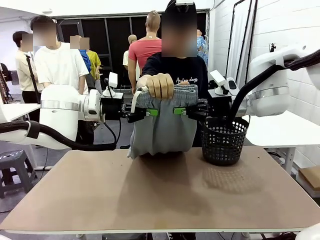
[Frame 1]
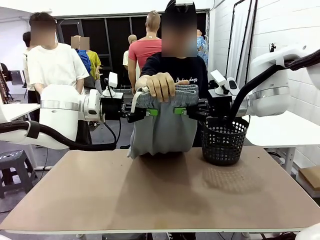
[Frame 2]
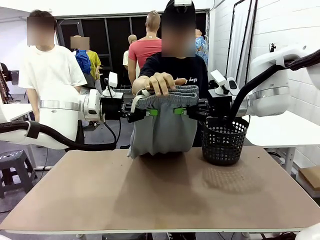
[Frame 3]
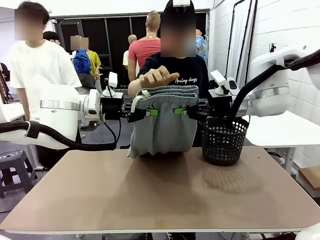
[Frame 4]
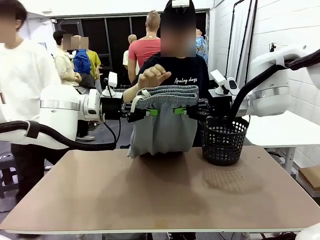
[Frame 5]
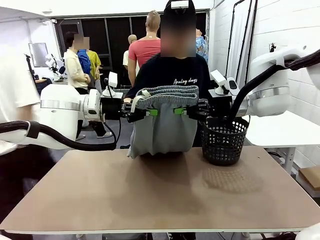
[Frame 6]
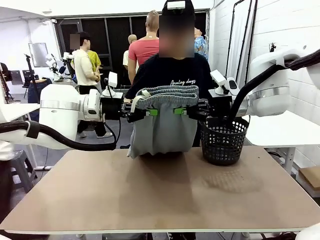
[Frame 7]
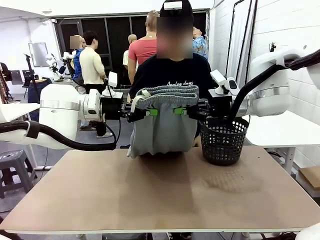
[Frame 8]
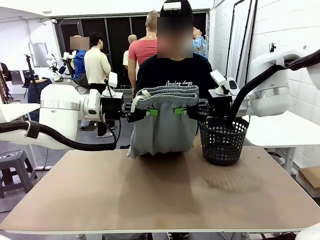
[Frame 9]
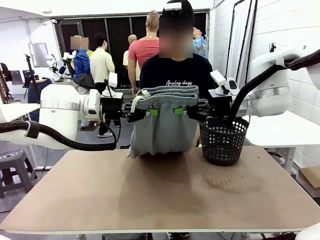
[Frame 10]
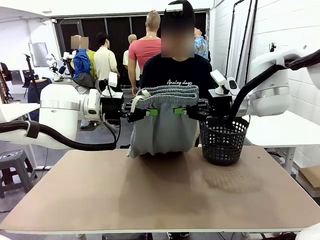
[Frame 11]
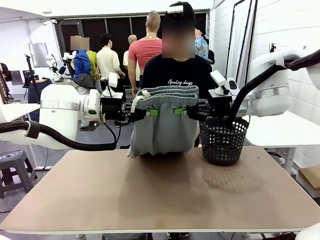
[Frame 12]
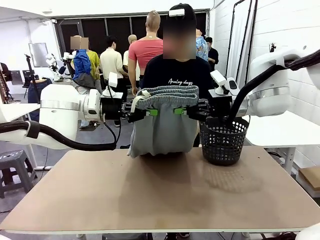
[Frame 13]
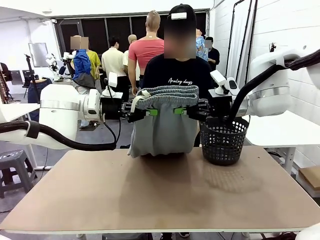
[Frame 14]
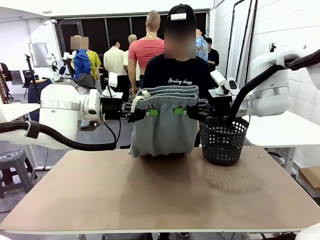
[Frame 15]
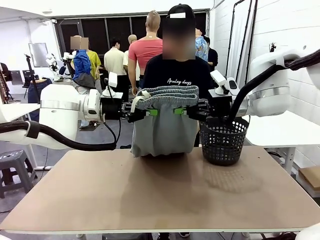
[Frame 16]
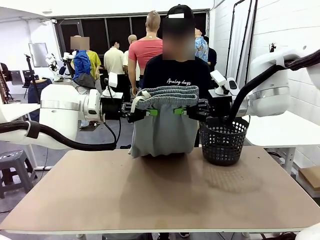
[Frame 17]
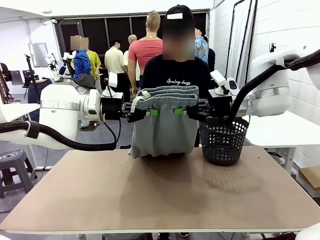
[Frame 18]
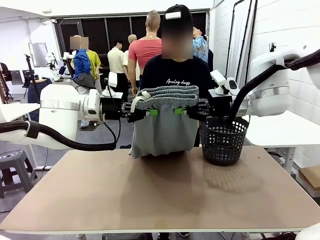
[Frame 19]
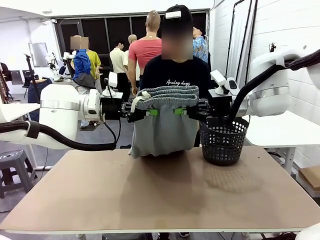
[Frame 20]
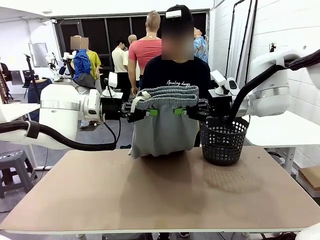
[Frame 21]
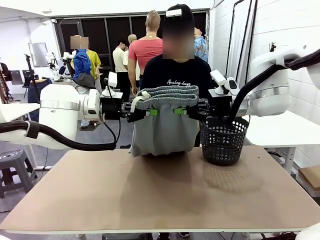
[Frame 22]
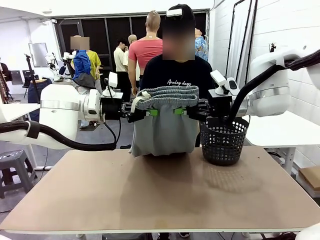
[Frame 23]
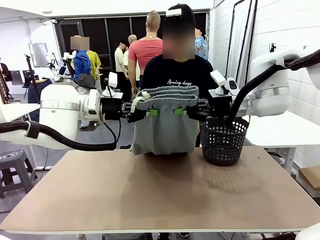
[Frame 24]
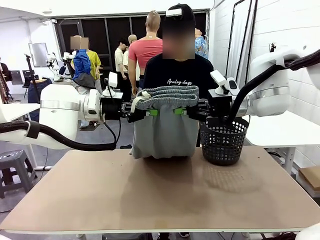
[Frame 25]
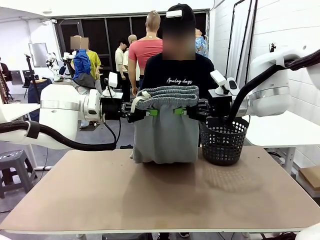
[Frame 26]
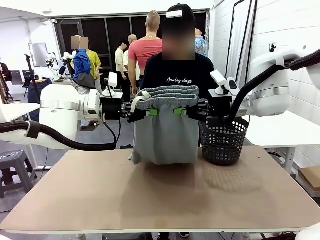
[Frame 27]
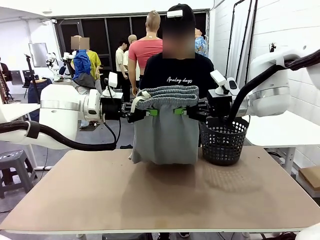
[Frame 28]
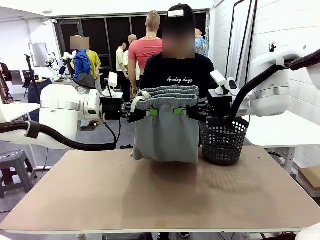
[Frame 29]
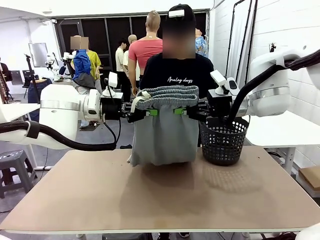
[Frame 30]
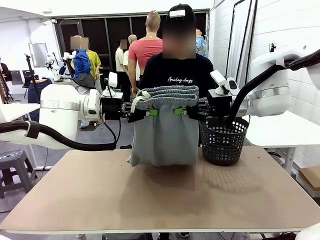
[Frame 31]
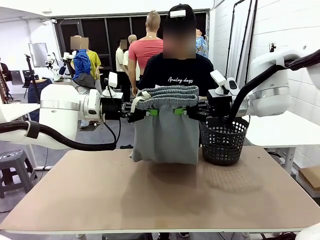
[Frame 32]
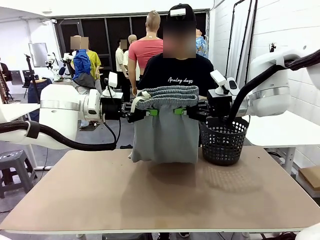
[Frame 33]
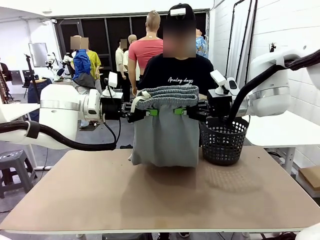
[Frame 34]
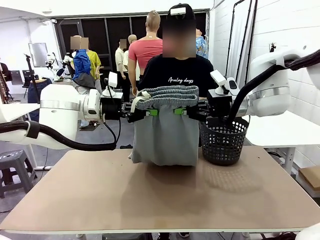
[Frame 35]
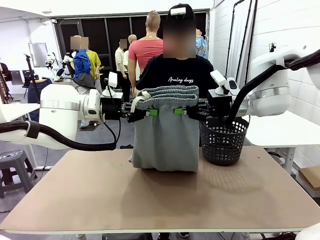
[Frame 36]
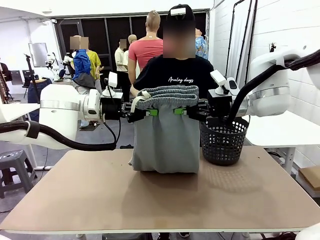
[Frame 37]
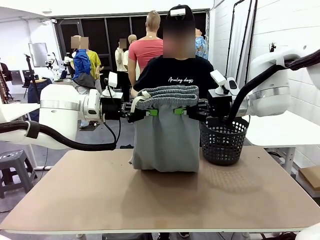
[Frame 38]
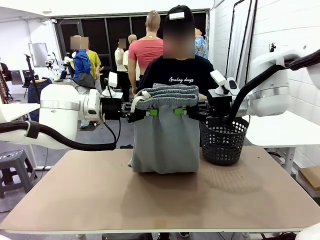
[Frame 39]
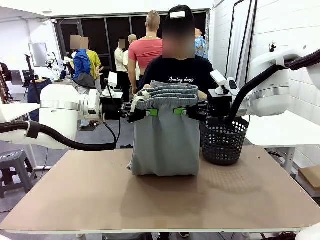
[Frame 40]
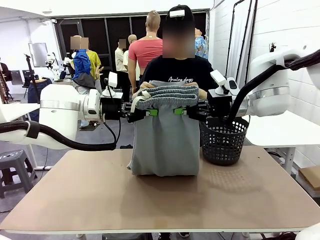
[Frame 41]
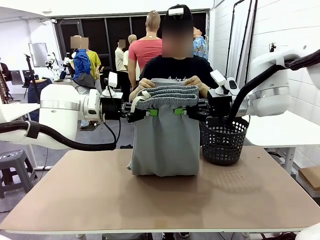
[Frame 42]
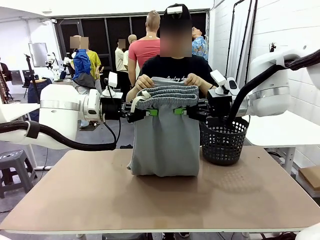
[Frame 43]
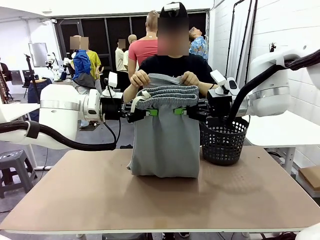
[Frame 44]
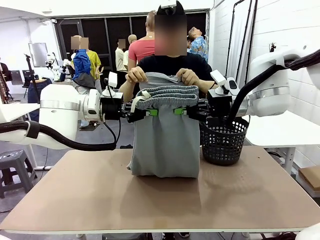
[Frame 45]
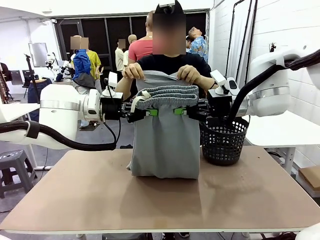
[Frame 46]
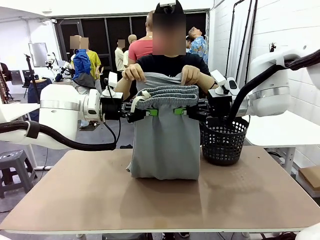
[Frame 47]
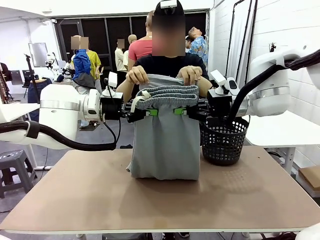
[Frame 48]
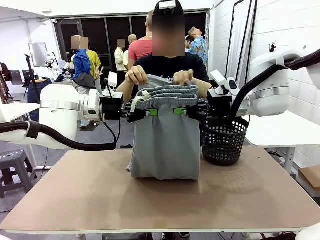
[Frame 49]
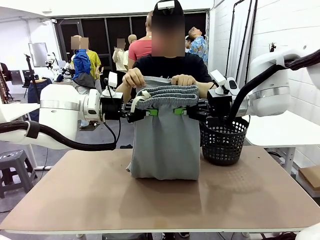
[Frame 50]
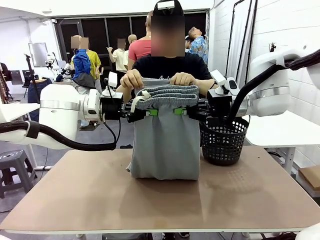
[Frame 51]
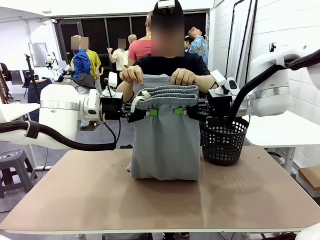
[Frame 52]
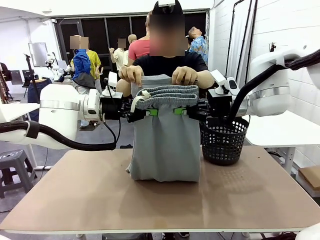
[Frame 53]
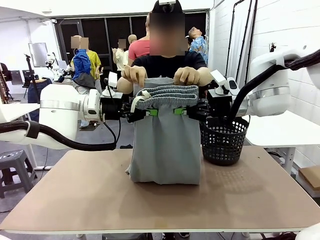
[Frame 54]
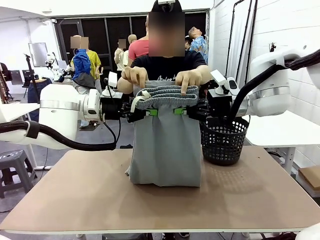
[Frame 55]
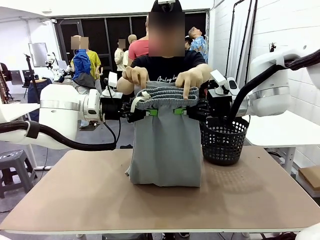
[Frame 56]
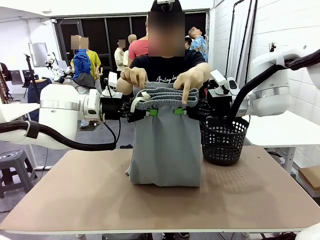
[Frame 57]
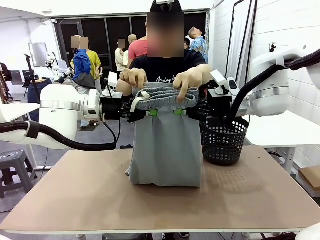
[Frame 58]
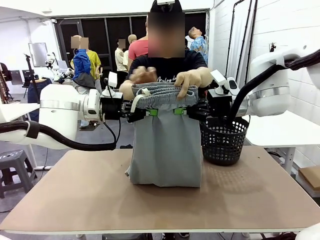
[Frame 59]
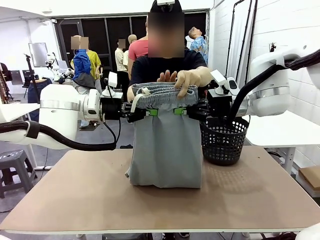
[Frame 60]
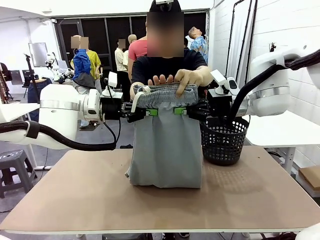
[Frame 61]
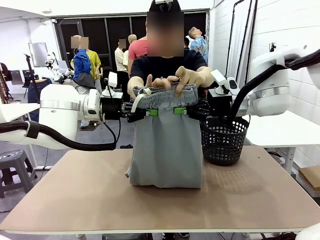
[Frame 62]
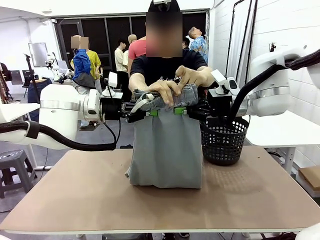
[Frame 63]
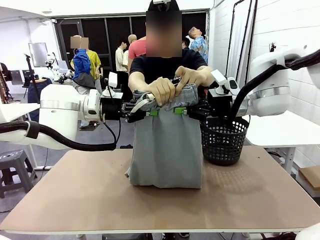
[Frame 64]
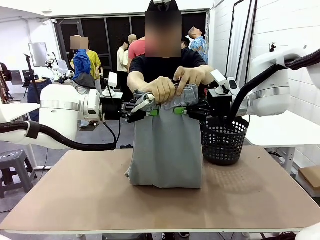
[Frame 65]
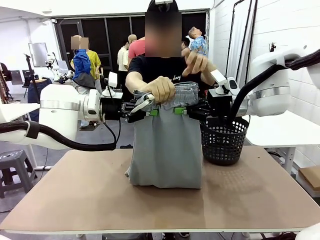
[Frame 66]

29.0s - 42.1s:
Task: Fold the training pants.
Robot: Release the ends of the Training pants and then grab the overlapped ends.
Person: Grasp the end opposite the point the robot is holding, fold the pants in half, and then grasp the overlapping top end of the folded pants.
